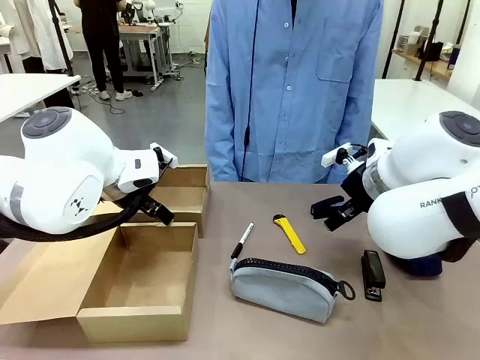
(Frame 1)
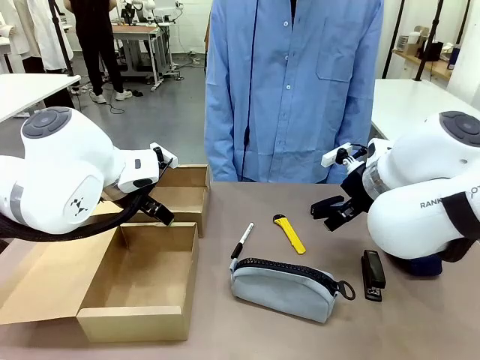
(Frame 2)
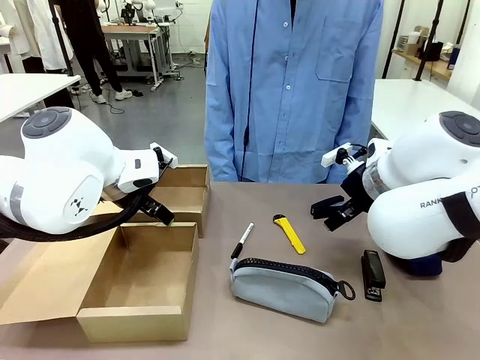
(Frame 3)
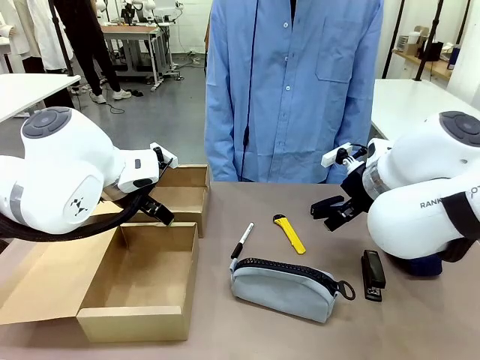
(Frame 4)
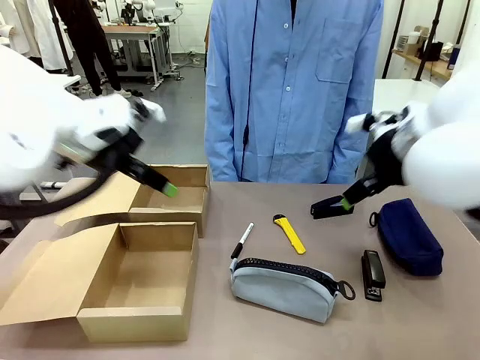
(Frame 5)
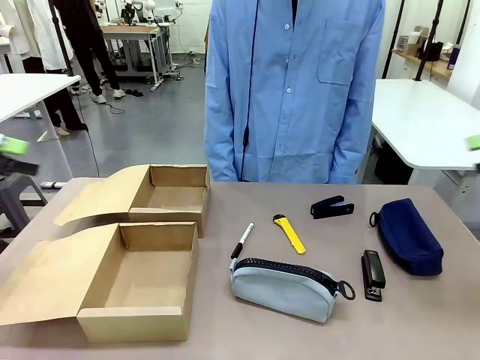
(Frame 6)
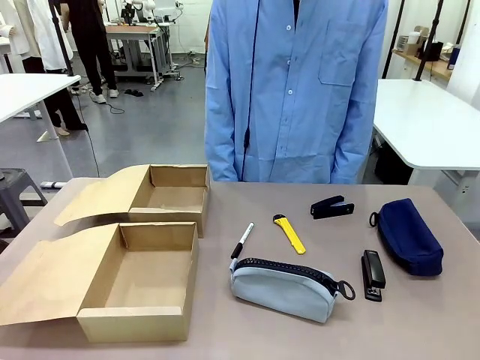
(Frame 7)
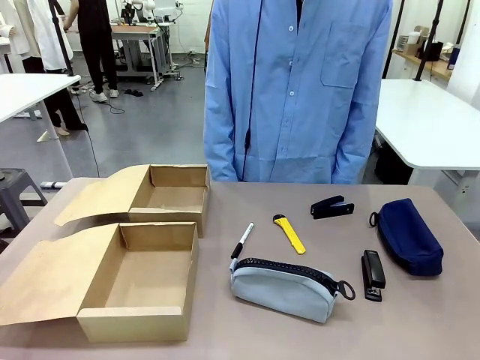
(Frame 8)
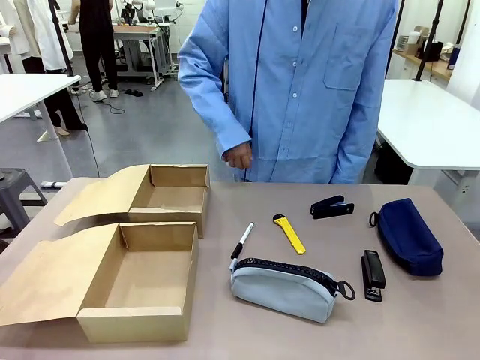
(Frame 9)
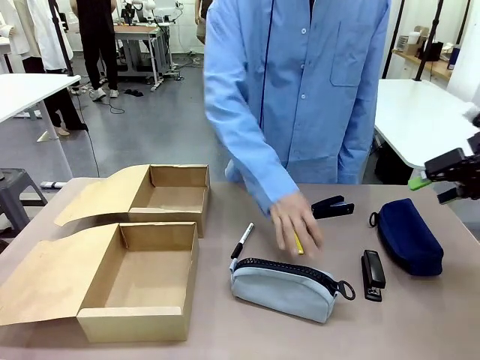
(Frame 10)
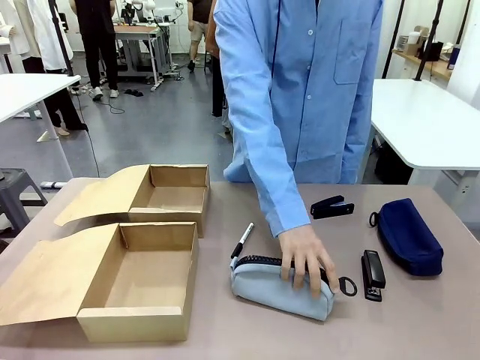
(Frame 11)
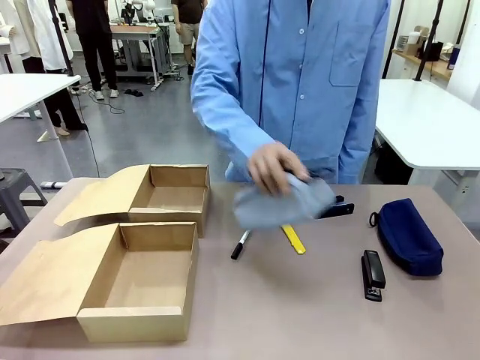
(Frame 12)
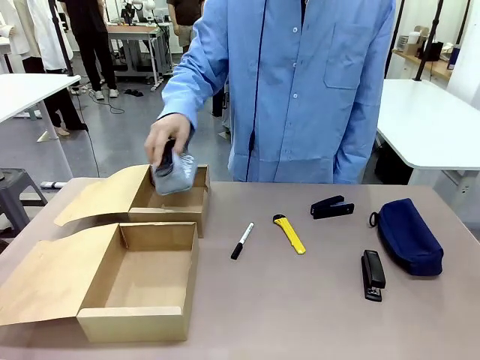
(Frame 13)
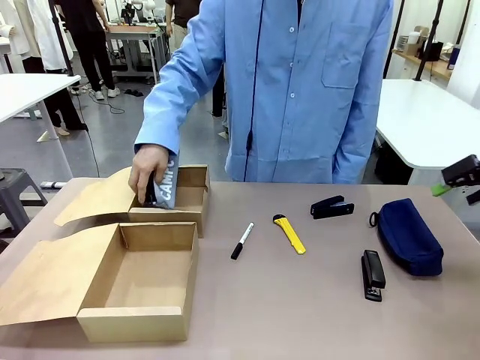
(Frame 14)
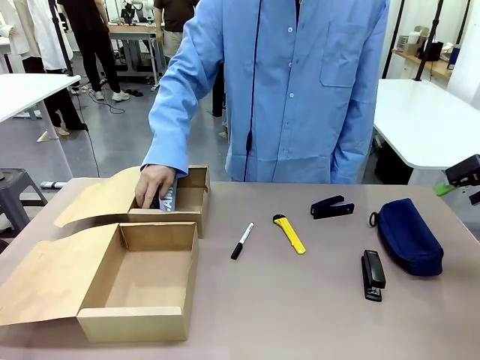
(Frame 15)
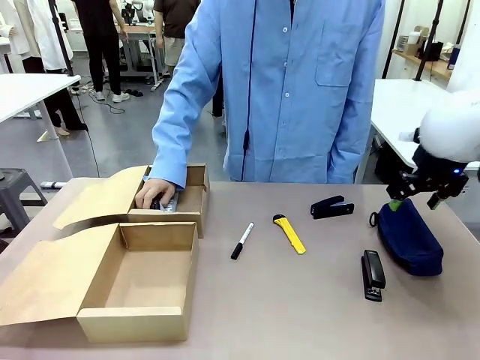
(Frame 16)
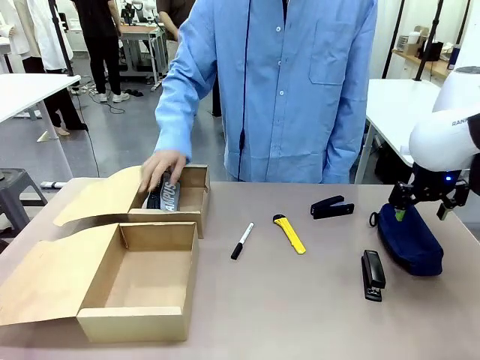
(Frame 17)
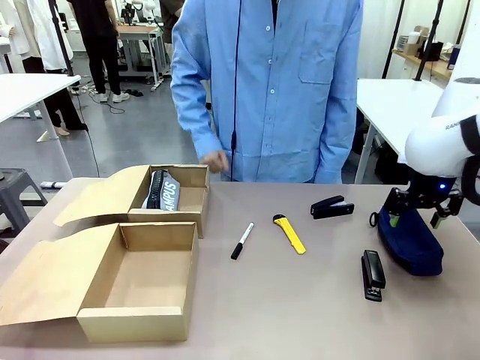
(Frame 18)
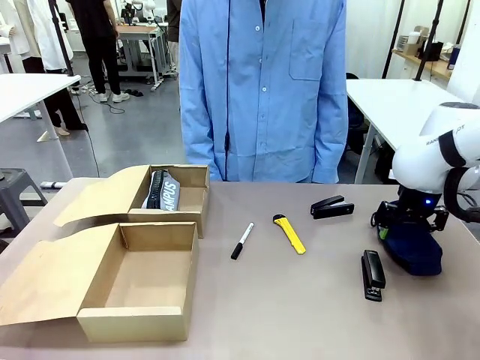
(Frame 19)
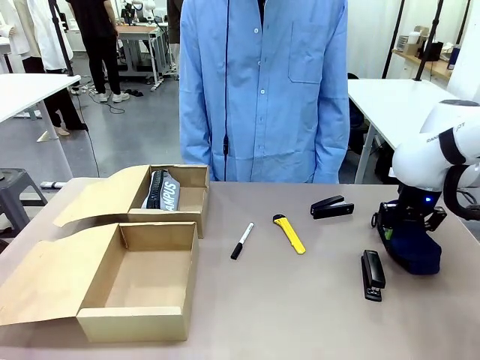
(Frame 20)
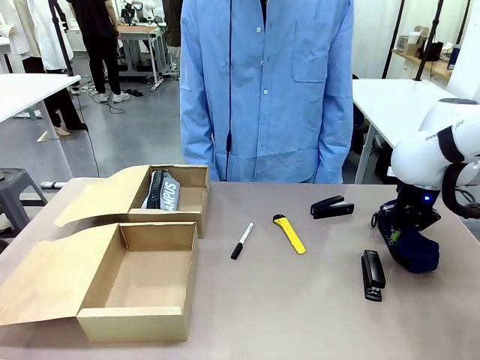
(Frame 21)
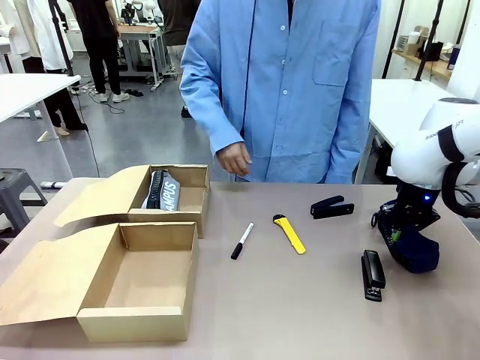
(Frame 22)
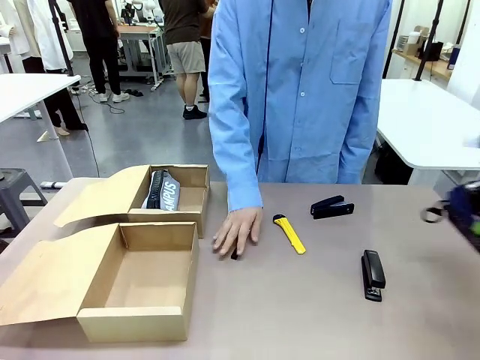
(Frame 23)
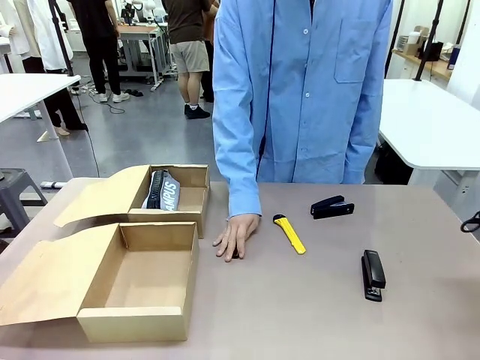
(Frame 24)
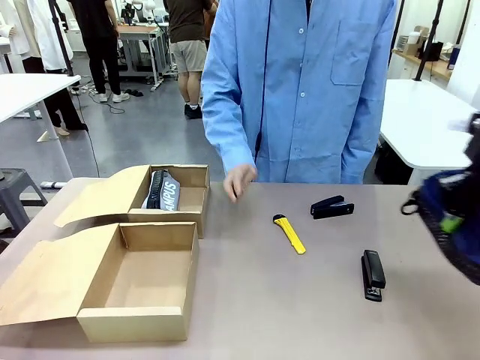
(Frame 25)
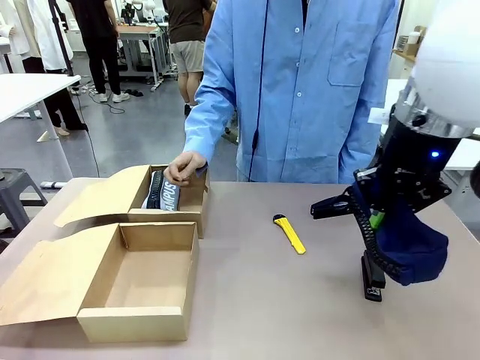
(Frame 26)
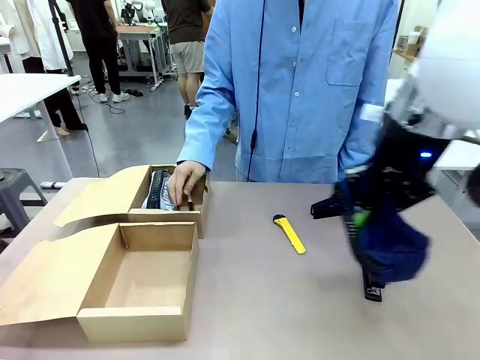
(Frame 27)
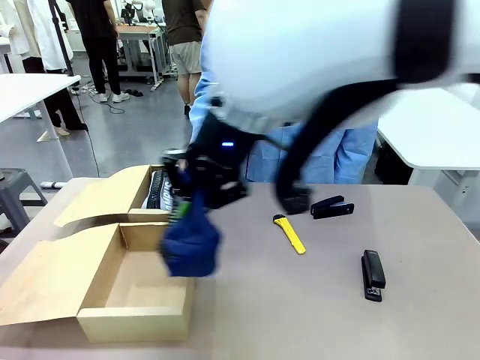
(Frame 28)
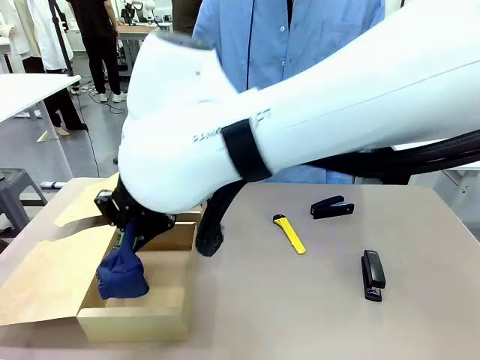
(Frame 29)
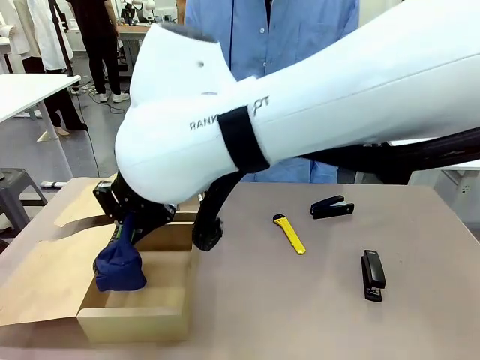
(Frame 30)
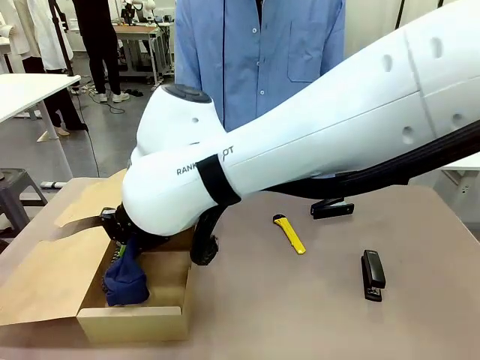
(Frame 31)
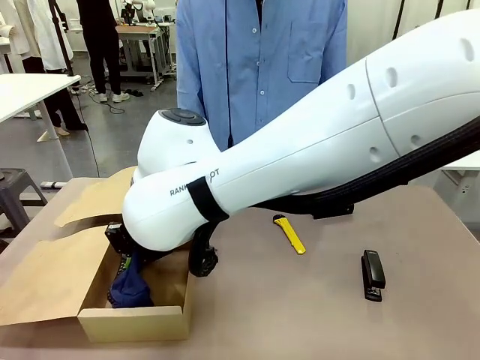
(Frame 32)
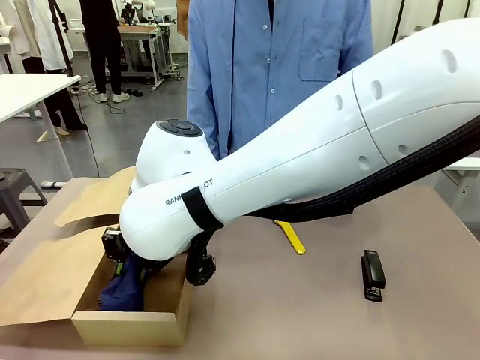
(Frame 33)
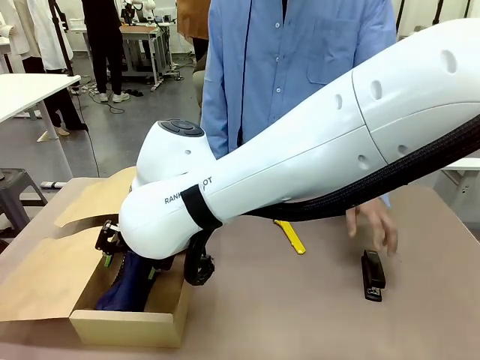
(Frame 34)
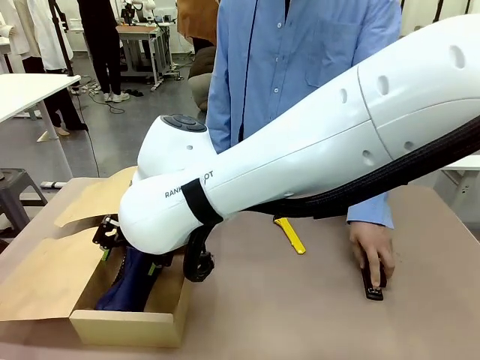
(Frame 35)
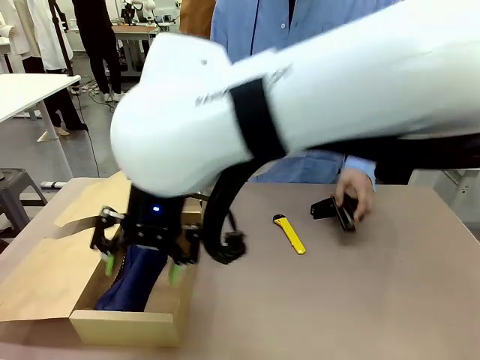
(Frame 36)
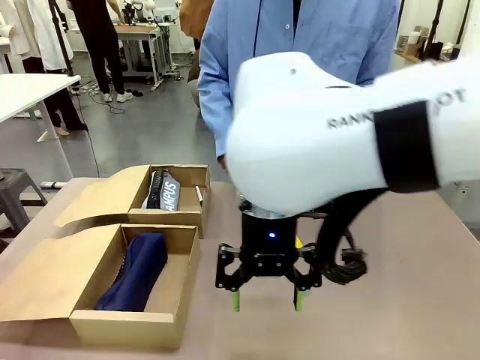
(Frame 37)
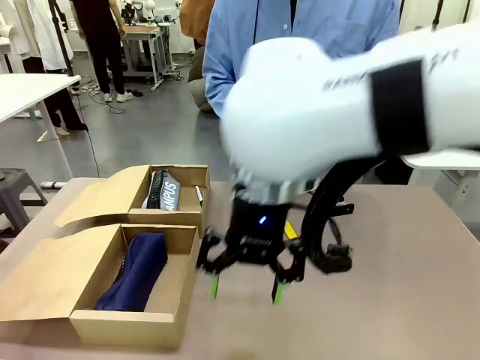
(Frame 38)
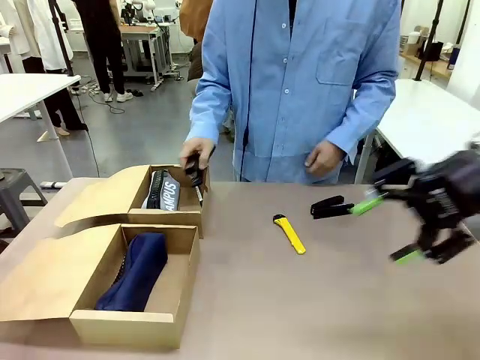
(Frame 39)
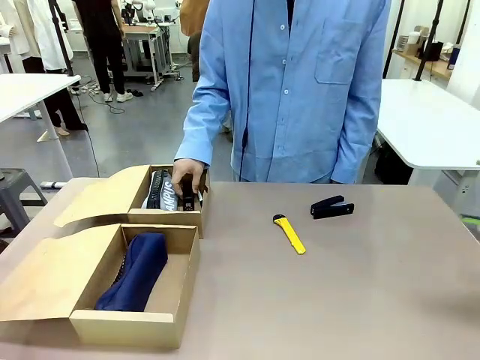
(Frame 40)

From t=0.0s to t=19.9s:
Task: Place items inside the box.
Robot: Pick up a Pencil pouch or Stapler and place it inside the Mailer Box closest to the robot.
Person: Pick up an object on the table and put it in the box.

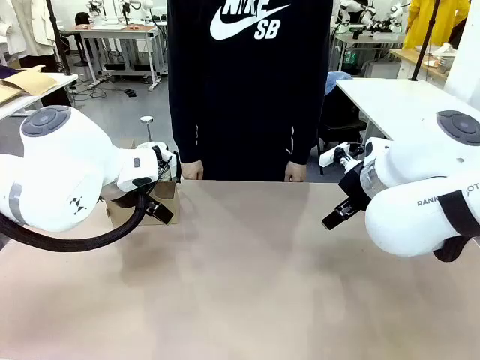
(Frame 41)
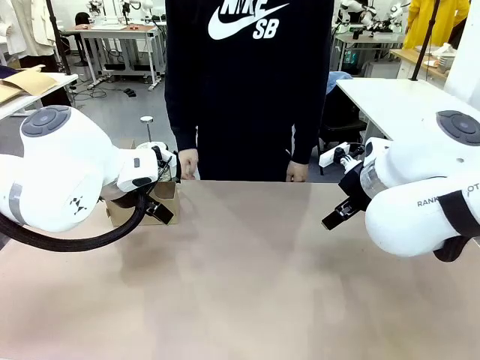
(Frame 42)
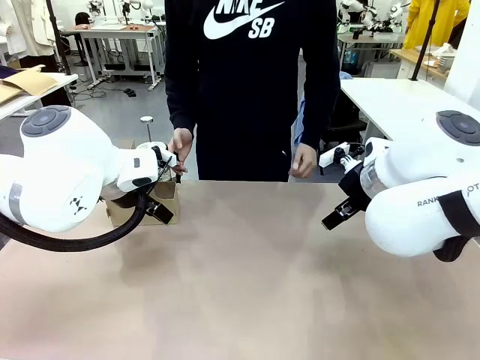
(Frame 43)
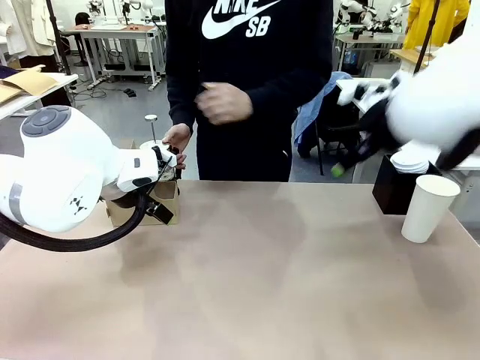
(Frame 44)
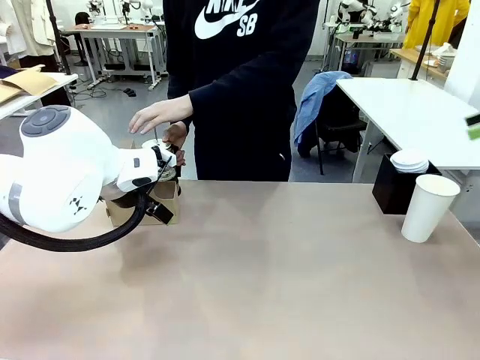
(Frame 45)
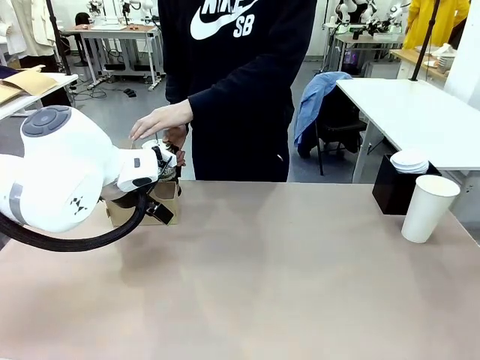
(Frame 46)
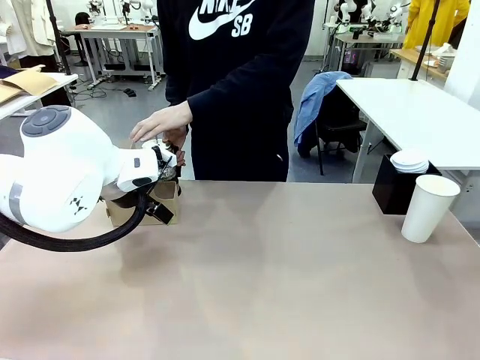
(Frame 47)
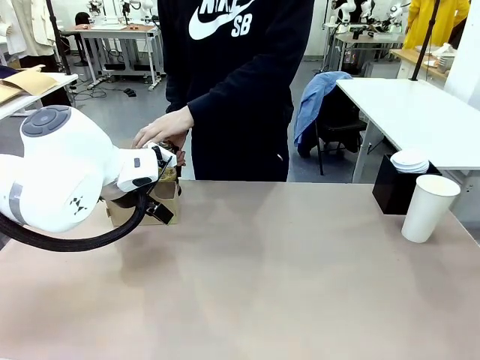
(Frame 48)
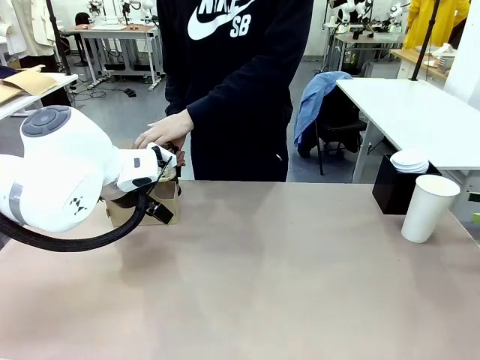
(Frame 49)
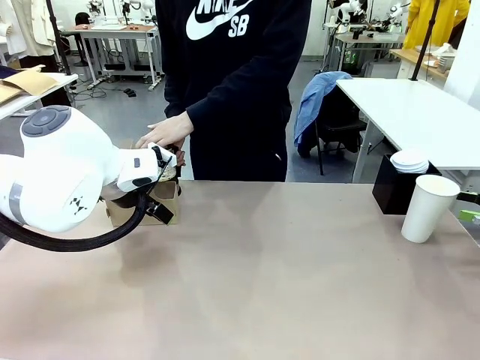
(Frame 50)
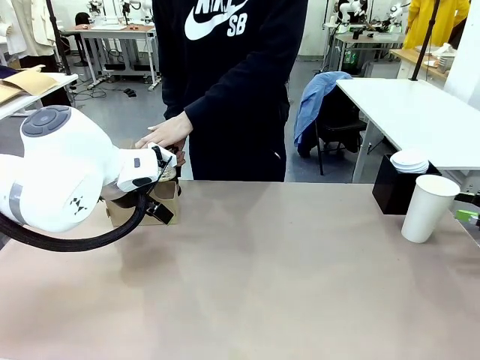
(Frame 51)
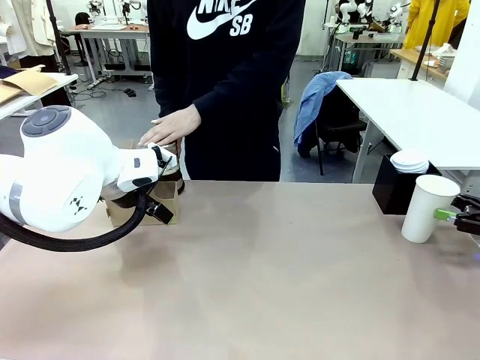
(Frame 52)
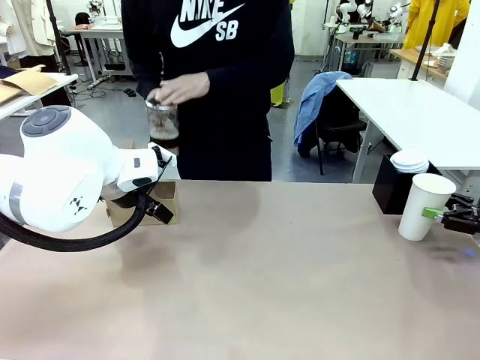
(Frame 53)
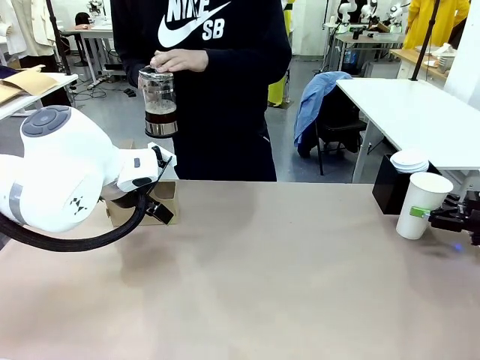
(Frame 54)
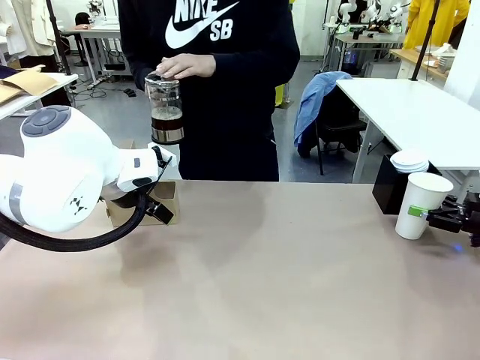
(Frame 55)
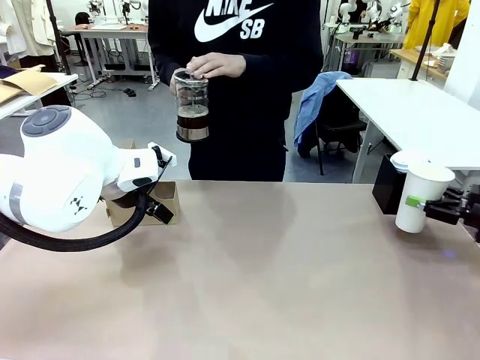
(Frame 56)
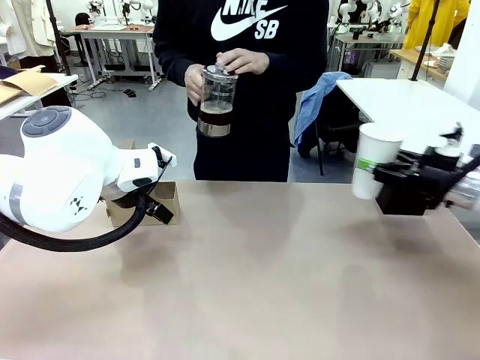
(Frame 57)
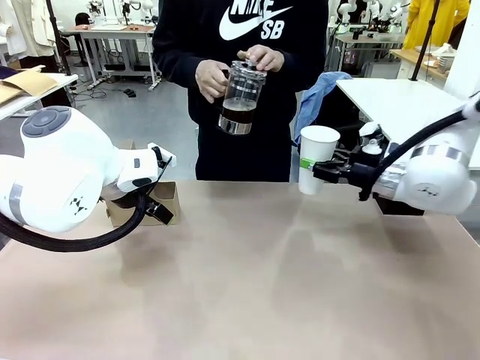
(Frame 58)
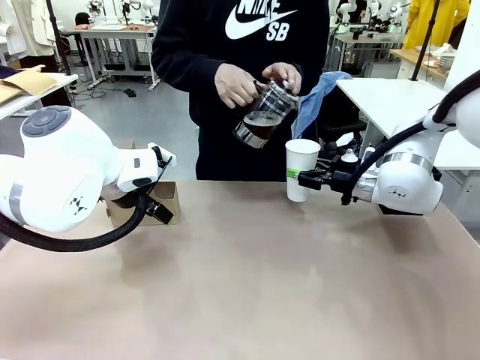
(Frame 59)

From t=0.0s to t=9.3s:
Task: Pour a drink into a cup and package it in a carrier.
Robot: Pick up the 600 ml Paper Cup and place it in the middle top area of the table.
Person: Press and pick up the Filter Brewing.
